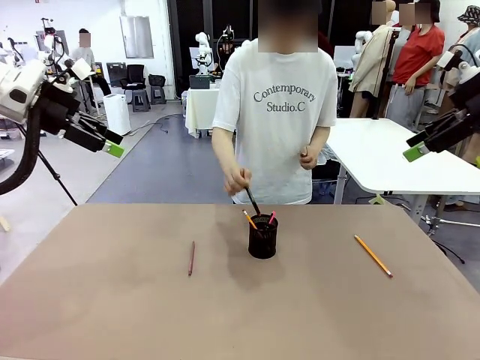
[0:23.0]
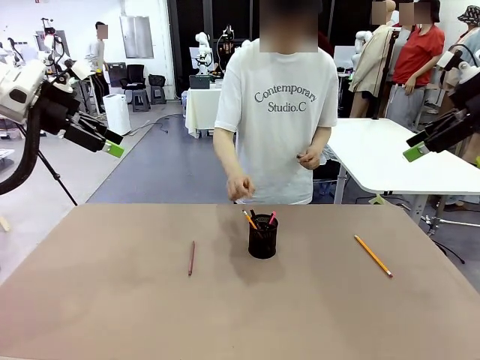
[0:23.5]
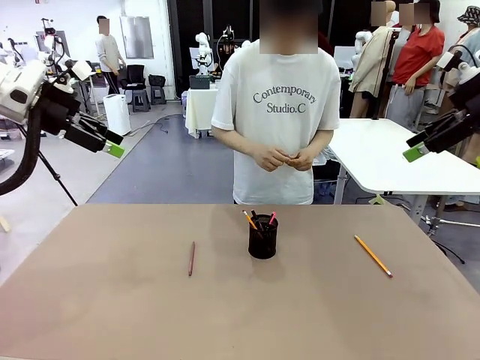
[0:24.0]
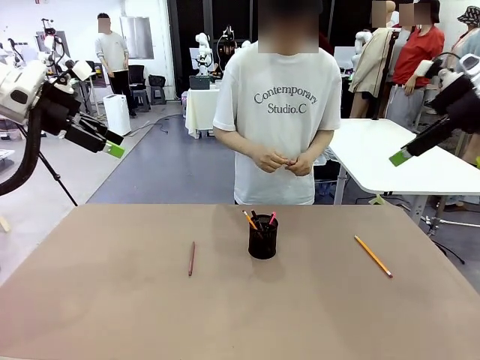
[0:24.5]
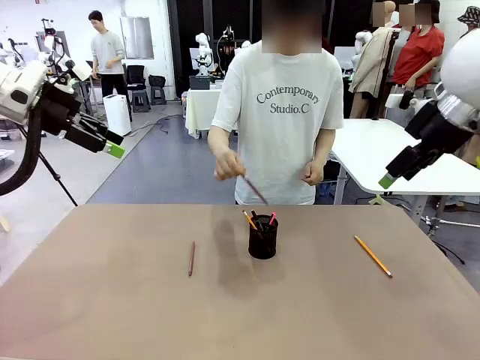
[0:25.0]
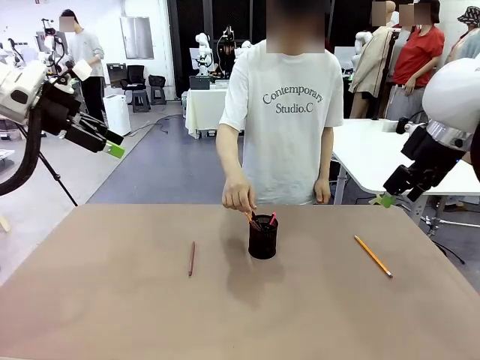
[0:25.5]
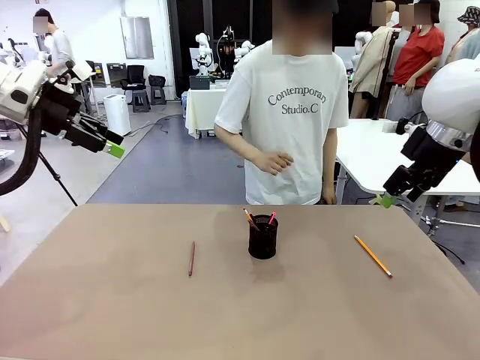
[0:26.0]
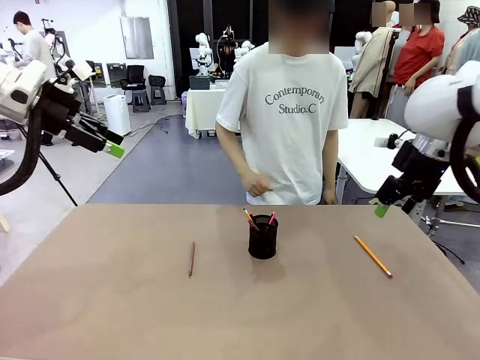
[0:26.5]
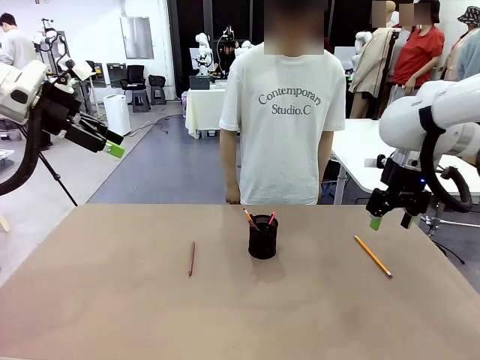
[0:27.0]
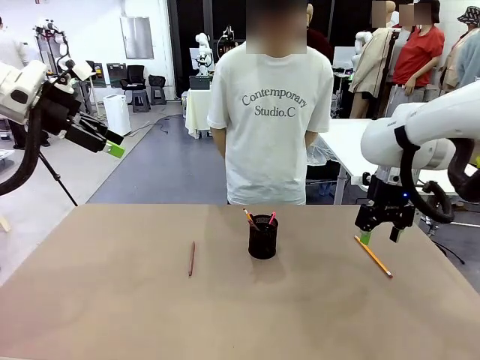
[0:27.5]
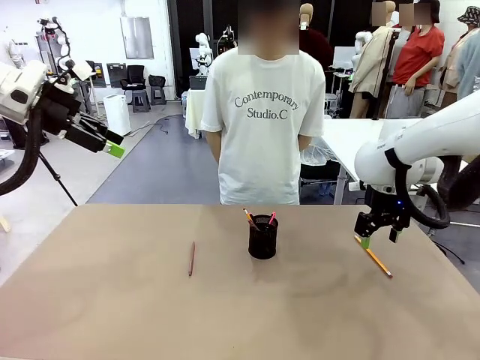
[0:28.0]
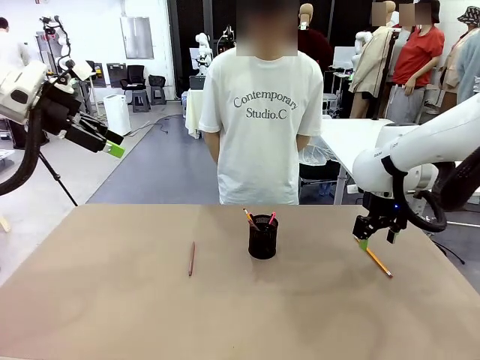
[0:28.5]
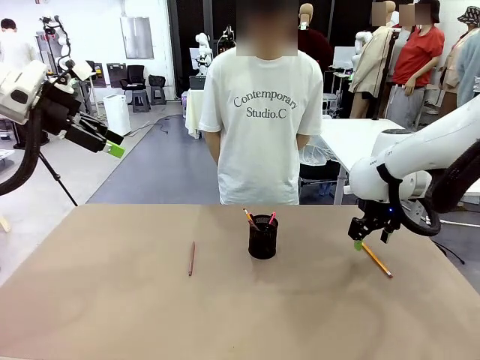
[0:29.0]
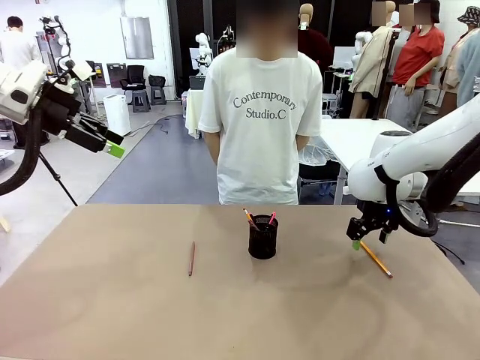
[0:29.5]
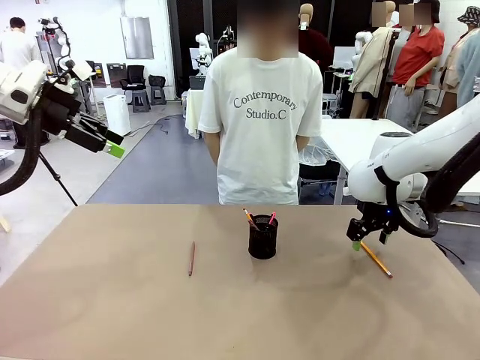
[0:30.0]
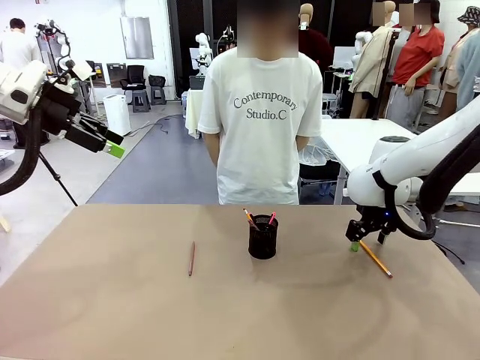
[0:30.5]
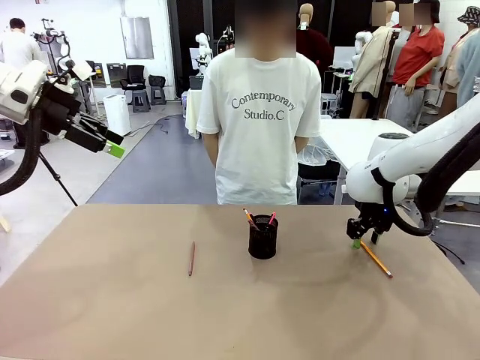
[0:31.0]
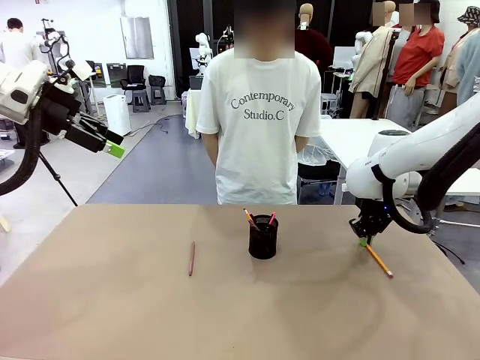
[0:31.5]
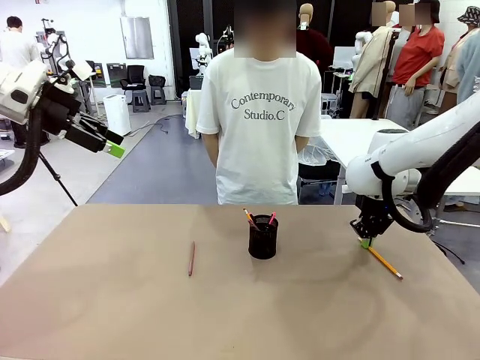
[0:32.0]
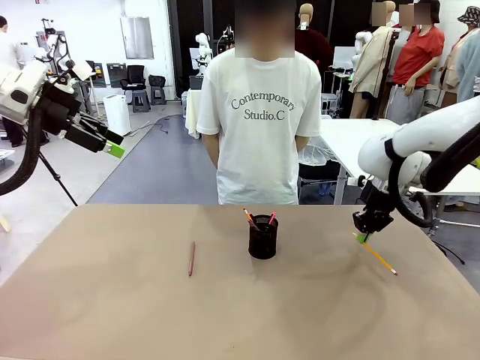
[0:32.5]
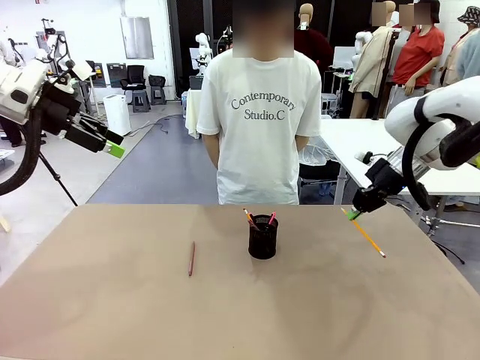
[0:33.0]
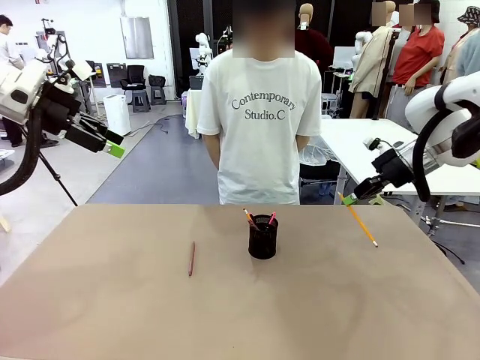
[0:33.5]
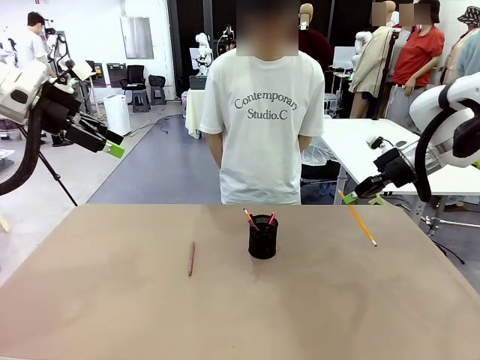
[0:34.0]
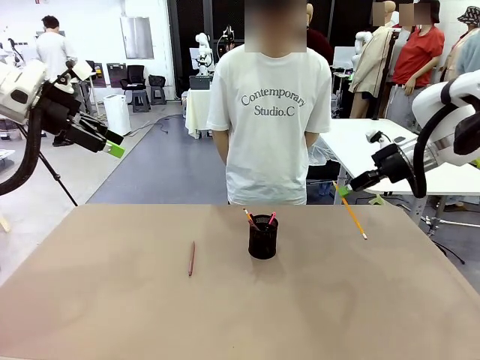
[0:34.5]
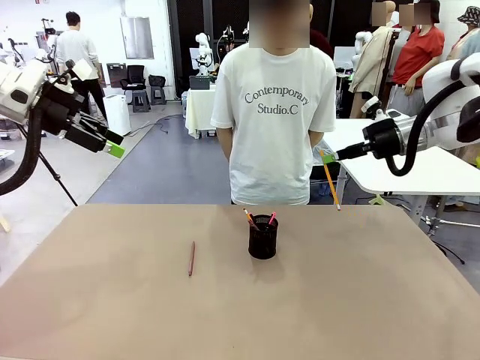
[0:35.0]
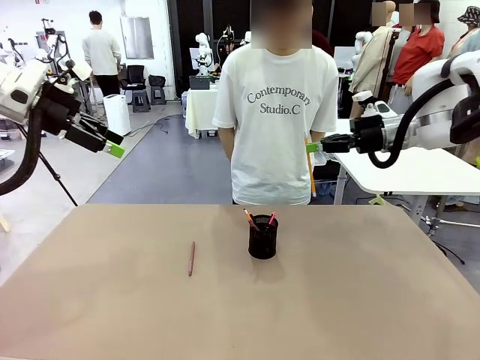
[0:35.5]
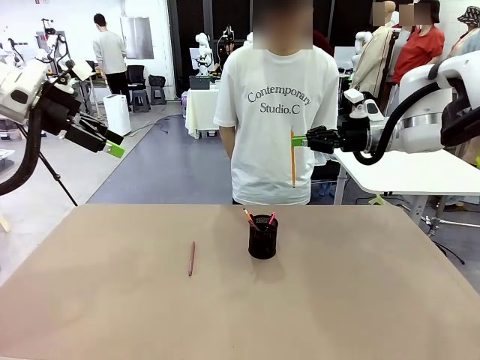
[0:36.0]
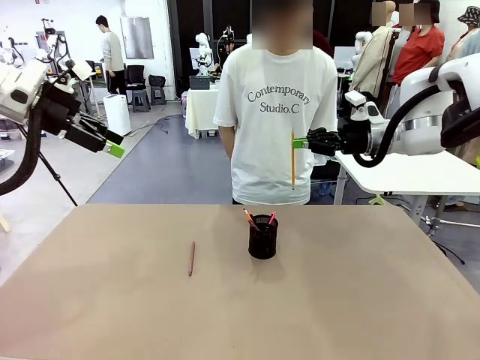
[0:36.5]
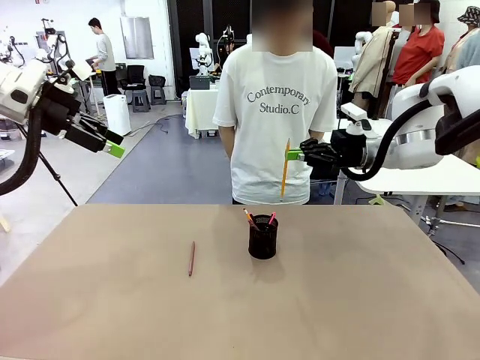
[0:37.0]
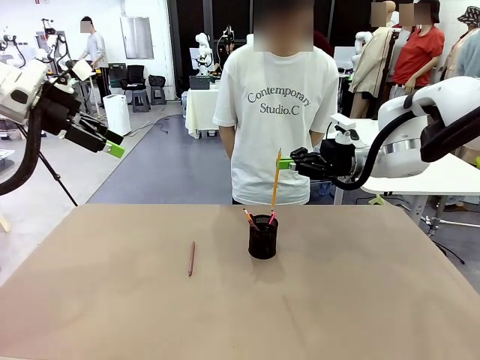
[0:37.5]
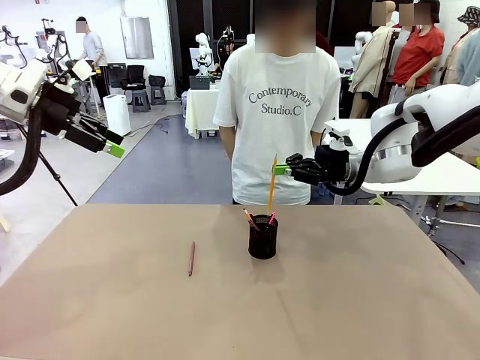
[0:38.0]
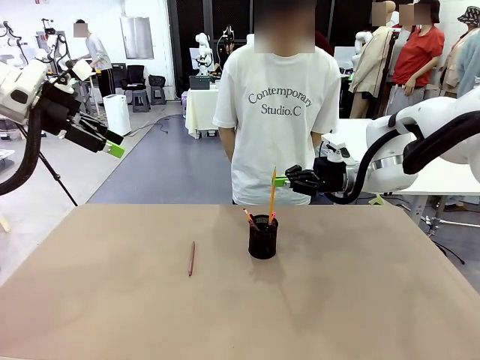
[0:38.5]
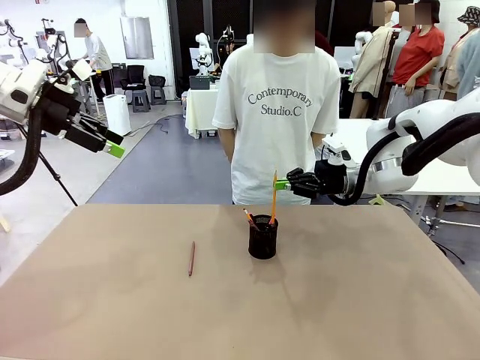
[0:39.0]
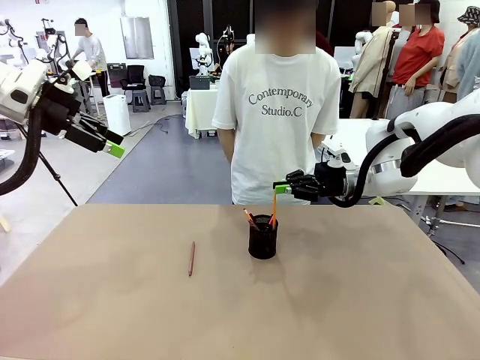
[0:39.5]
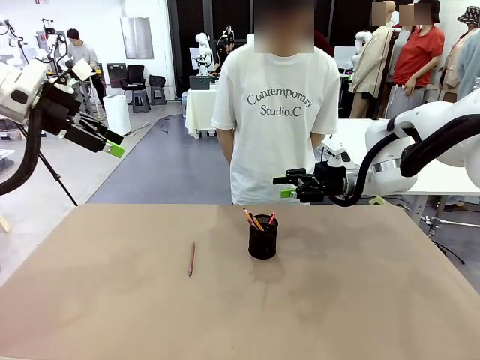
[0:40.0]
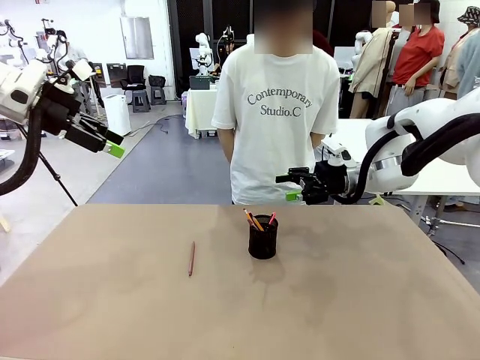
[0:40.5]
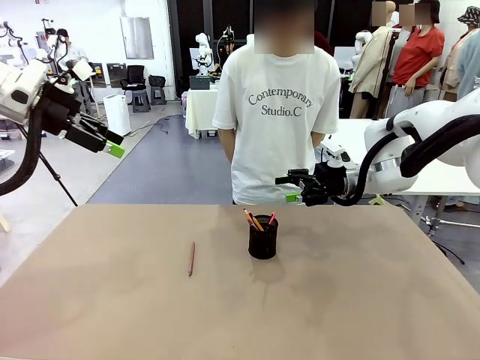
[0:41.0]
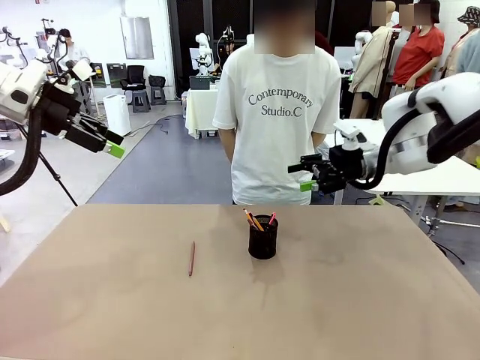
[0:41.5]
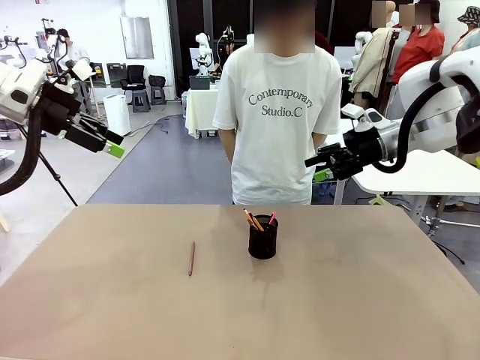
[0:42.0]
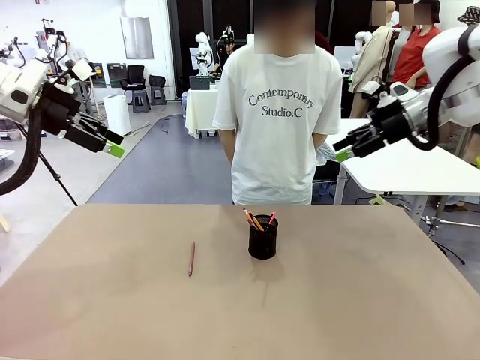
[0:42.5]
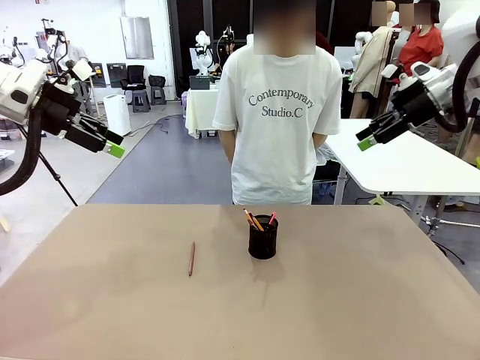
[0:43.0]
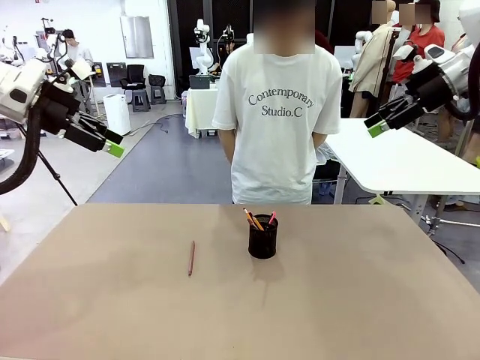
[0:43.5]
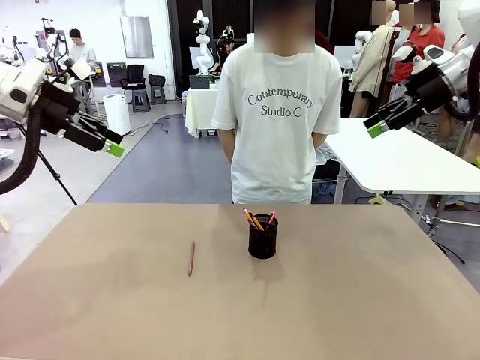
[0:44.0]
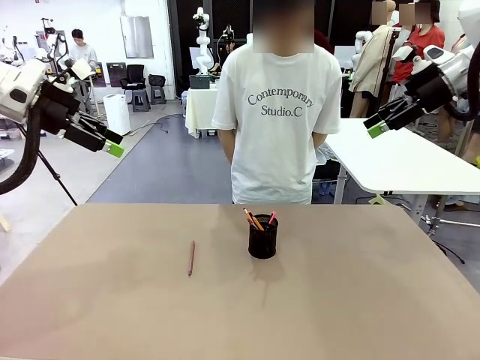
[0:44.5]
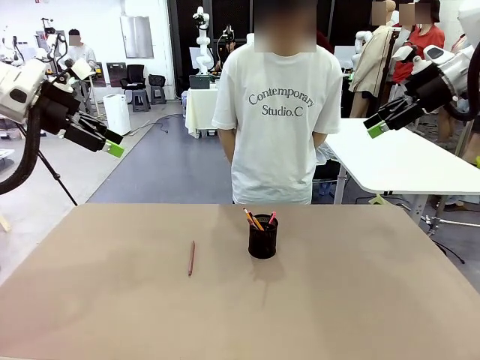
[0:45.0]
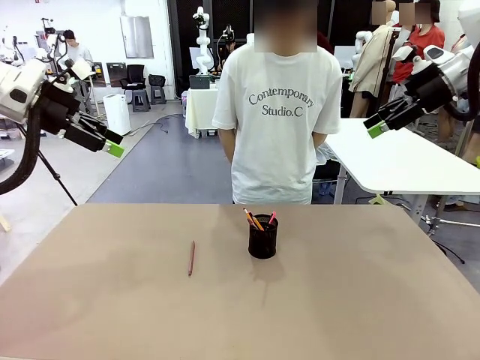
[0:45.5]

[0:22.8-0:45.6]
Task: Place the pens into the pen holder.
Robot: Pick up a writing instrument from the table and place it into the Pen holder.
